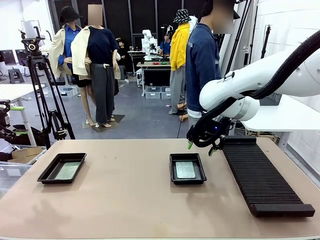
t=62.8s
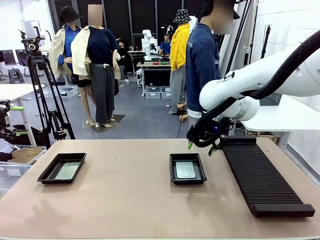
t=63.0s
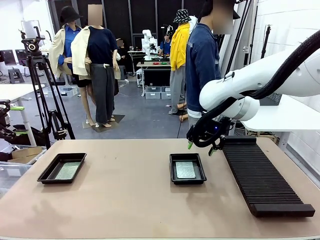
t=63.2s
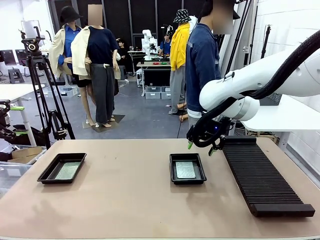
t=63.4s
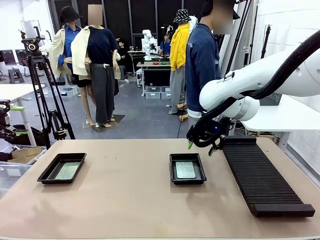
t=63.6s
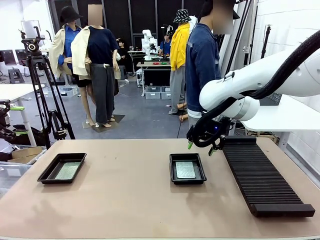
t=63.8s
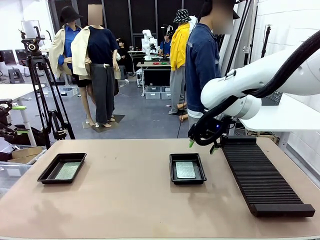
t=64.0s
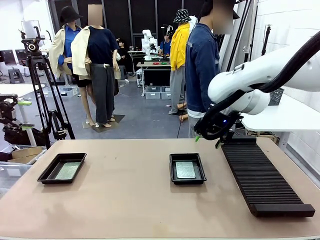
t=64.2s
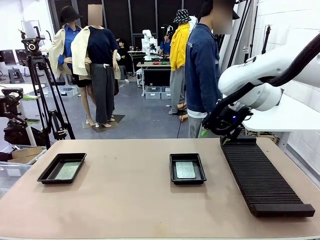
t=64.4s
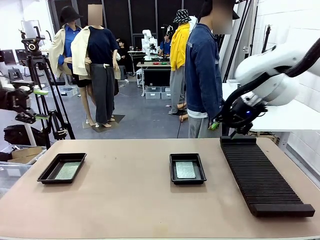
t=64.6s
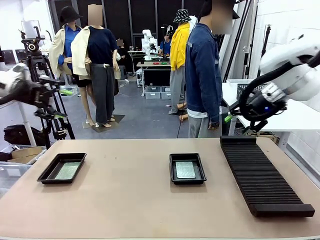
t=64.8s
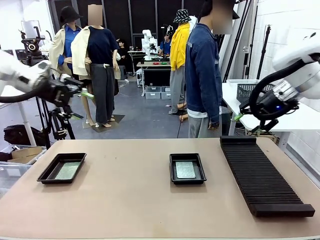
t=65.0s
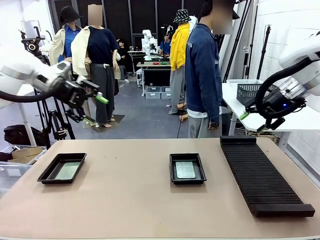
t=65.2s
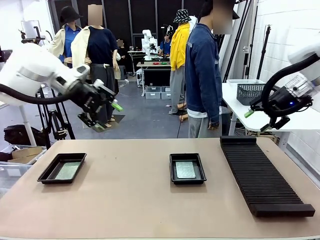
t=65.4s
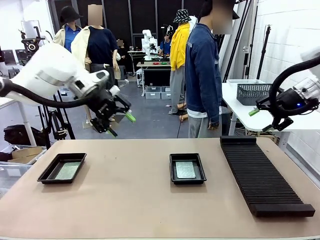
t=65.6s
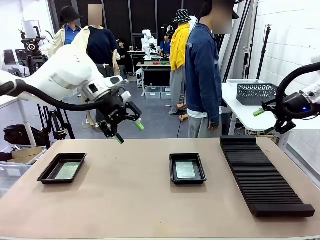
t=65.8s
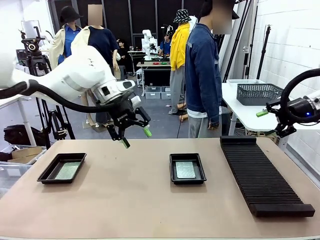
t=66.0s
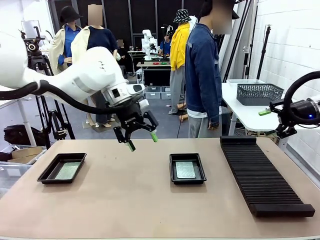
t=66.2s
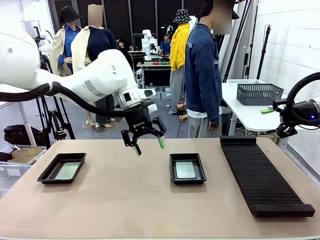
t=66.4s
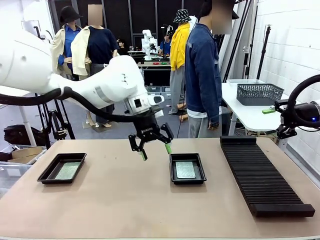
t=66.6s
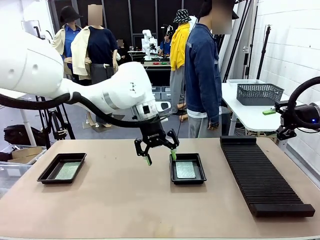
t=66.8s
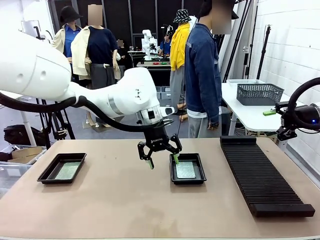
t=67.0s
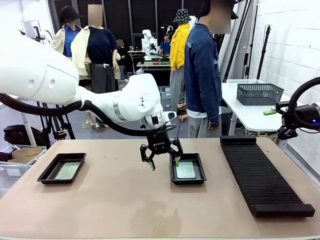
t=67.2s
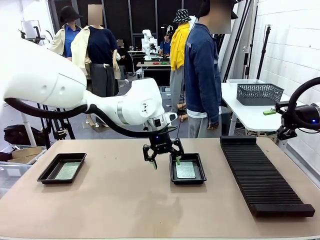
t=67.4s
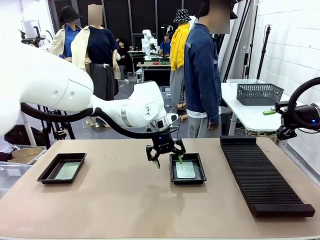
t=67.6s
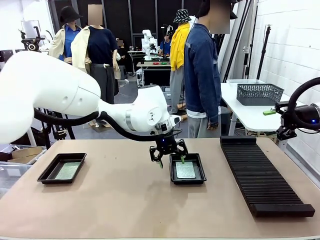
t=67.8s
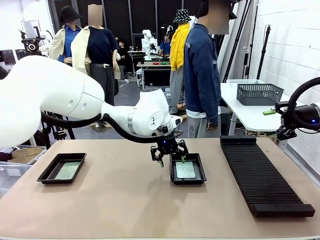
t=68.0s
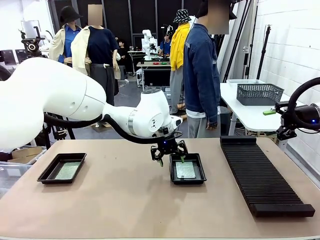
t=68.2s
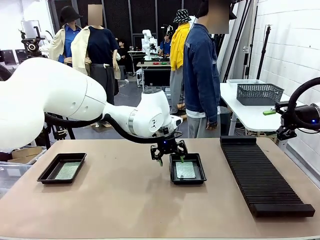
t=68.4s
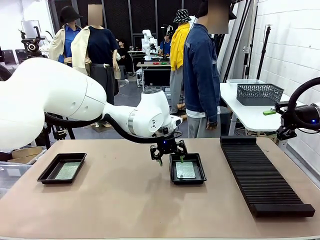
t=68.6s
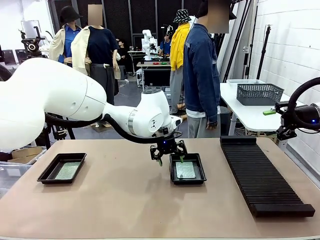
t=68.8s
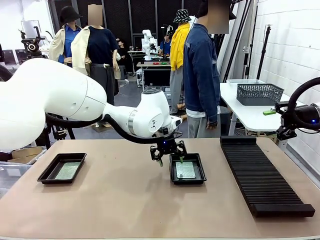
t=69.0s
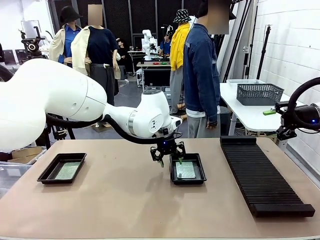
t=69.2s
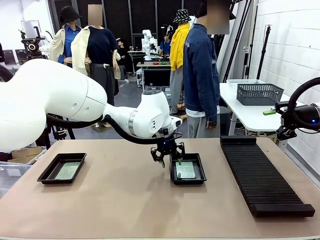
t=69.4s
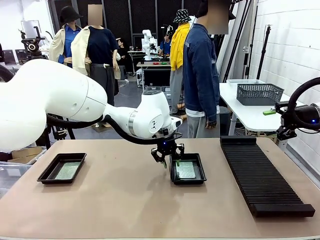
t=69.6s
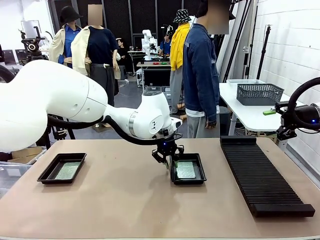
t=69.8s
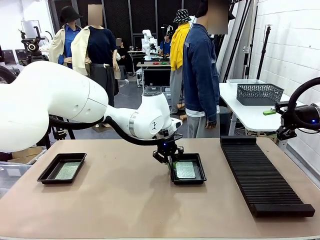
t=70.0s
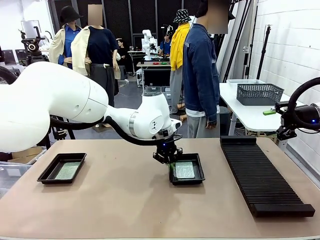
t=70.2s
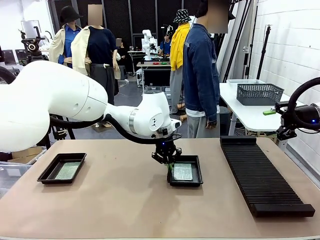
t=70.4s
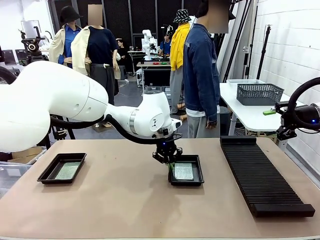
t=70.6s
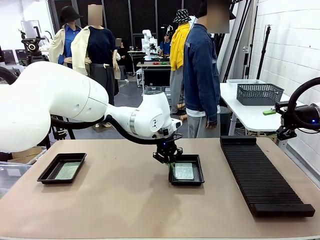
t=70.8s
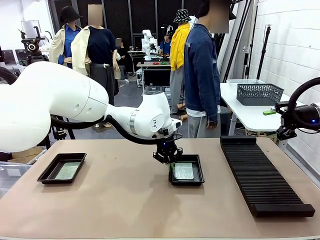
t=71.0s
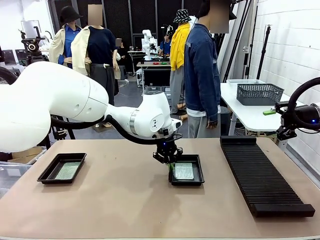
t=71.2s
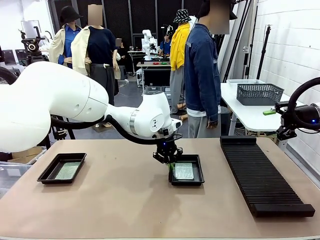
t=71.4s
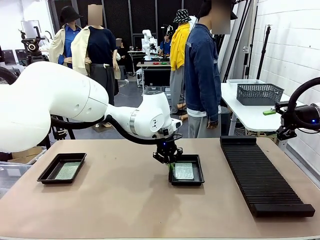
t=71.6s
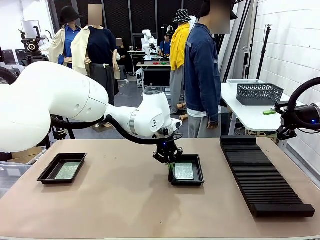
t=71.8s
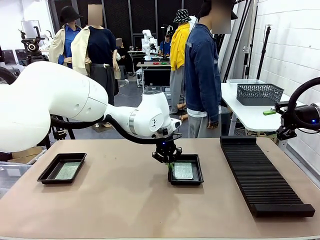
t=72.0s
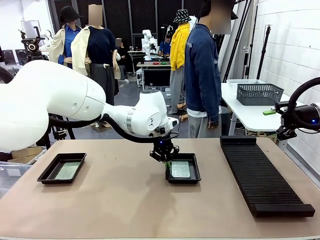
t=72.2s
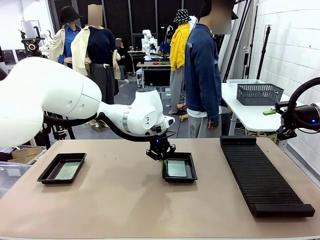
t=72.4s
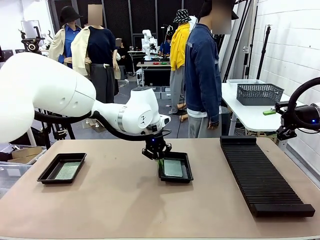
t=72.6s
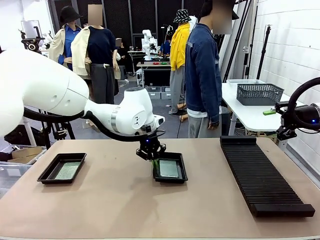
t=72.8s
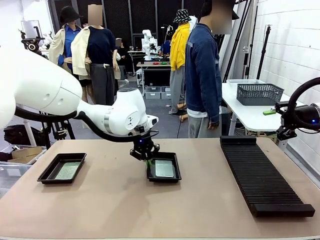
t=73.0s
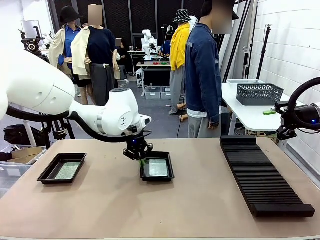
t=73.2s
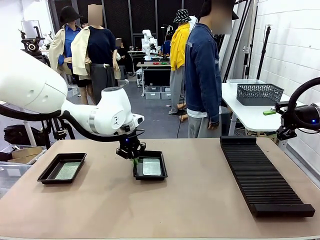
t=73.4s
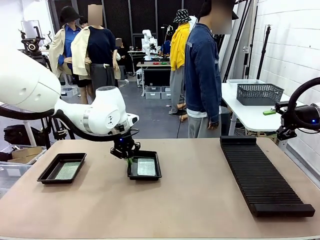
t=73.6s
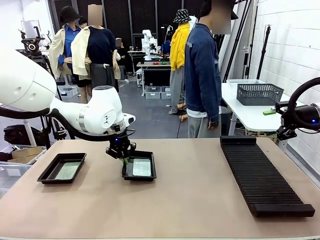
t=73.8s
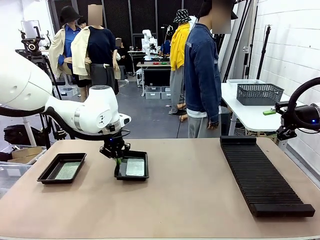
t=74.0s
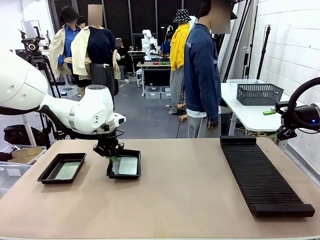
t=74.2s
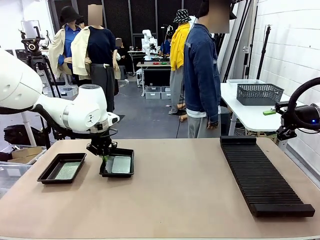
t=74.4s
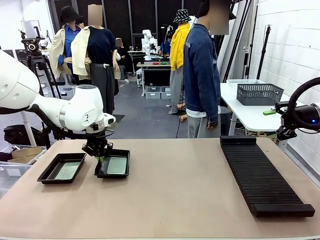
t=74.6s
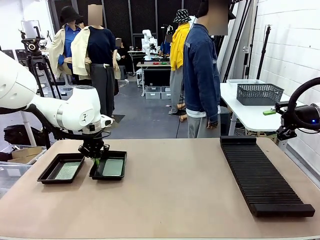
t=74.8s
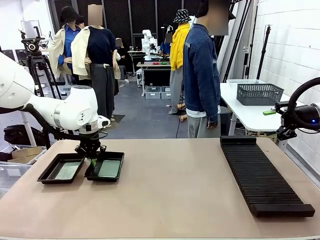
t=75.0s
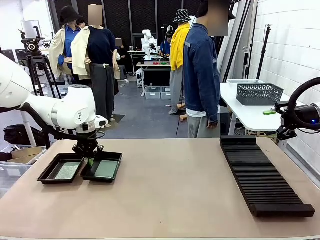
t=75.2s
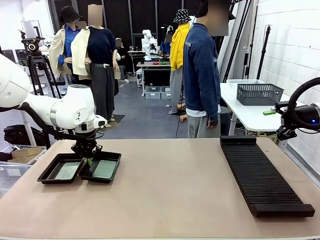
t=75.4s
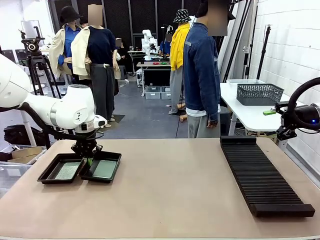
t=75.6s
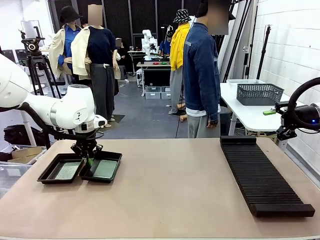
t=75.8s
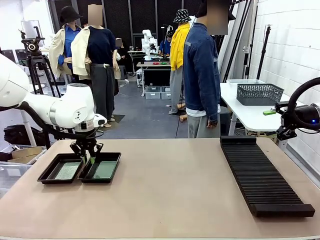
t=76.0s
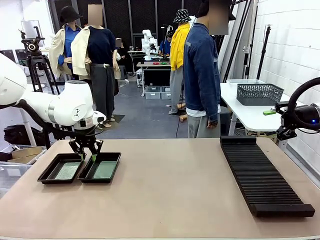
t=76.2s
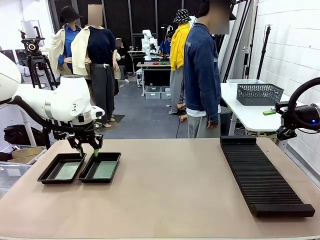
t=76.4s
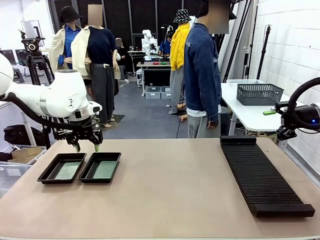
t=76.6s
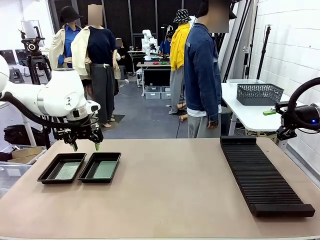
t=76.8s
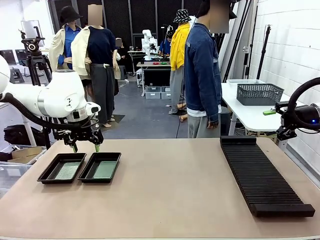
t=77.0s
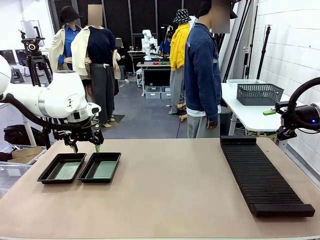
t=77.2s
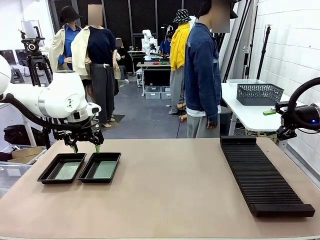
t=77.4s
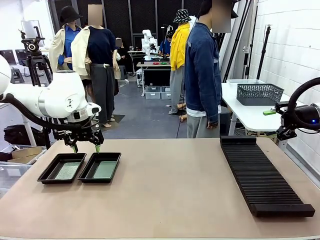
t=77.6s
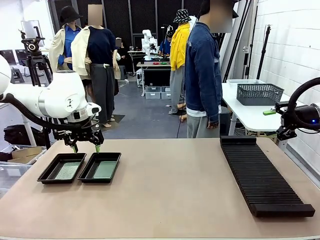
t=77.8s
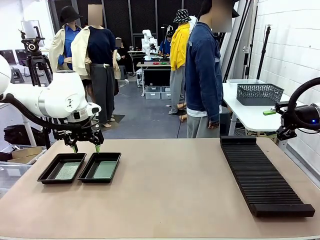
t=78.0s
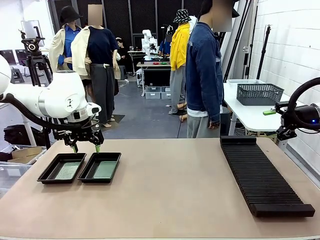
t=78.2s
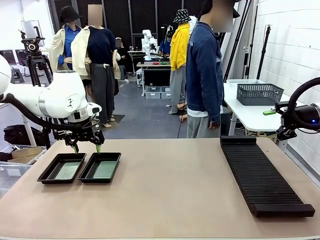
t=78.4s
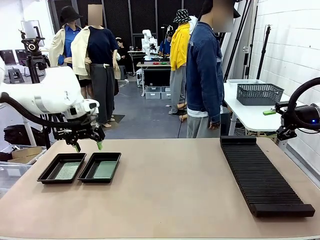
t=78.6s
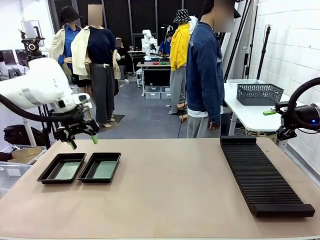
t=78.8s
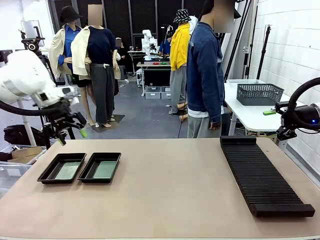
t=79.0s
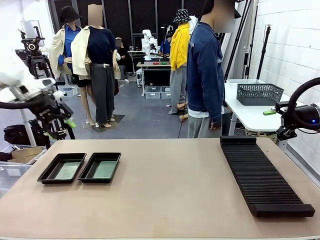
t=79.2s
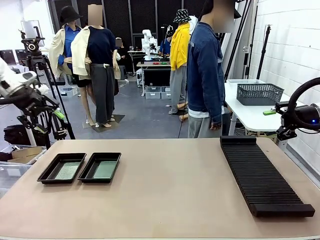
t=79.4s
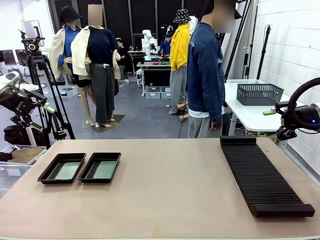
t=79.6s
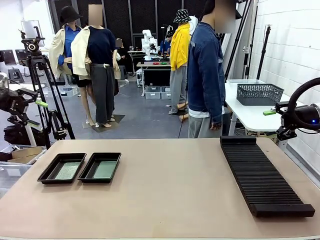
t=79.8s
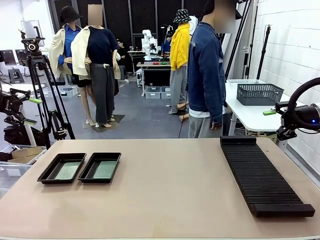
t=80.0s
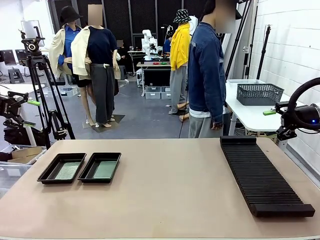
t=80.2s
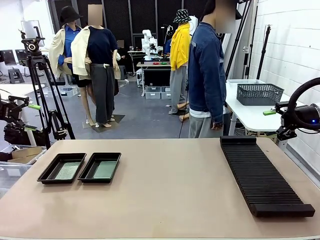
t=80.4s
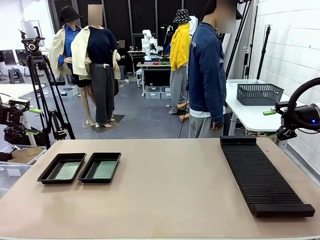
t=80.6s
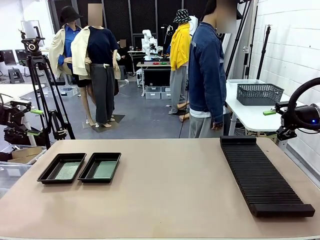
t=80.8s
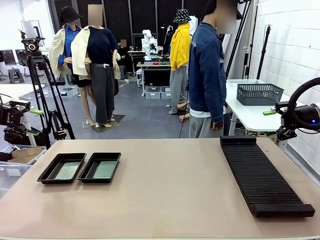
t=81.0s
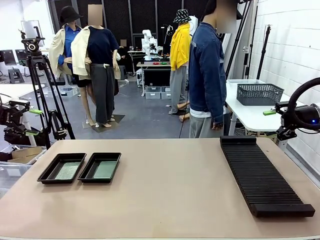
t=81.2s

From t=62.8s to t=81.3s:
Task: Inspect and transfer BCBs to ESD trays.
Robot: Pick up the ESD tray and place it on the left side of the table.
